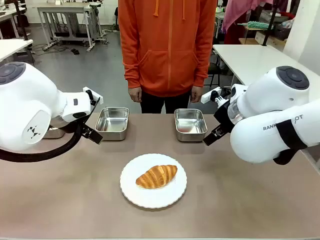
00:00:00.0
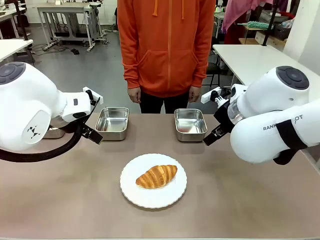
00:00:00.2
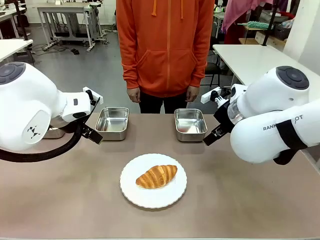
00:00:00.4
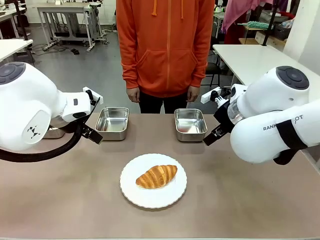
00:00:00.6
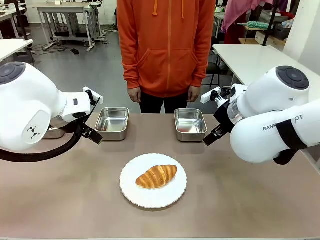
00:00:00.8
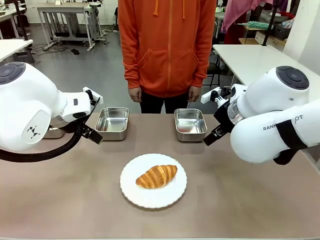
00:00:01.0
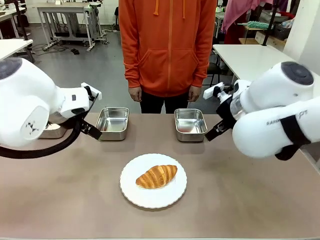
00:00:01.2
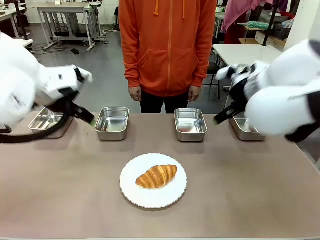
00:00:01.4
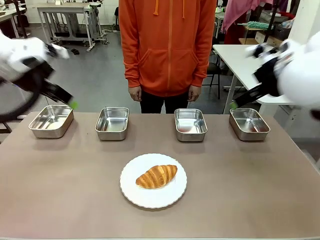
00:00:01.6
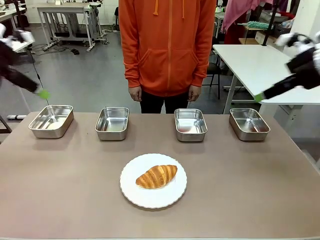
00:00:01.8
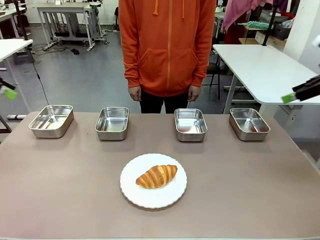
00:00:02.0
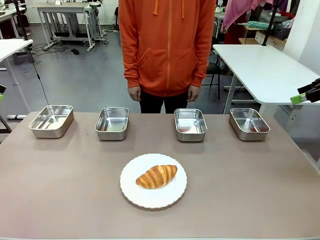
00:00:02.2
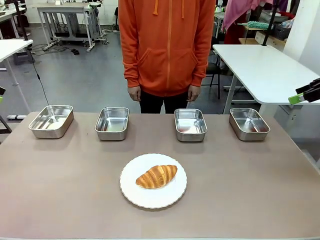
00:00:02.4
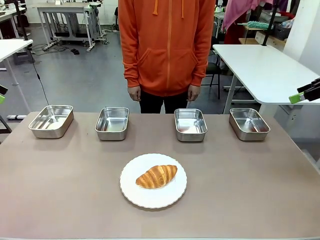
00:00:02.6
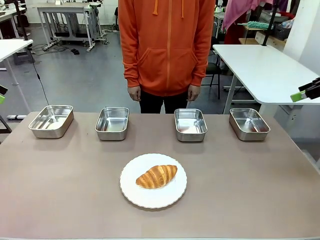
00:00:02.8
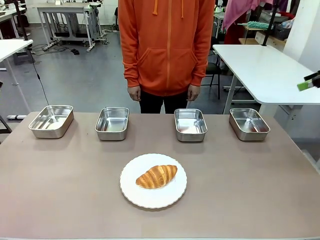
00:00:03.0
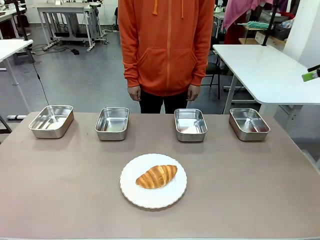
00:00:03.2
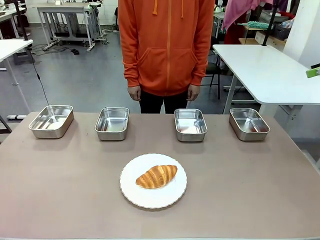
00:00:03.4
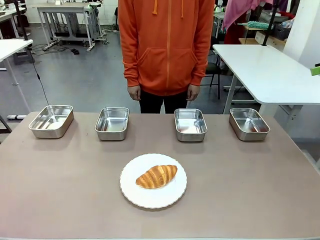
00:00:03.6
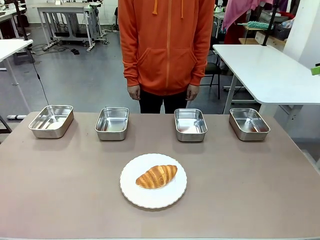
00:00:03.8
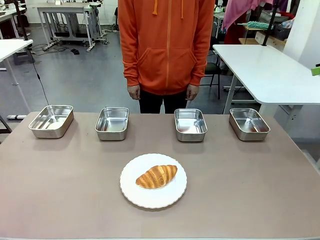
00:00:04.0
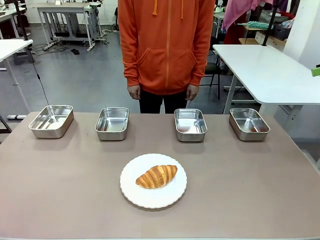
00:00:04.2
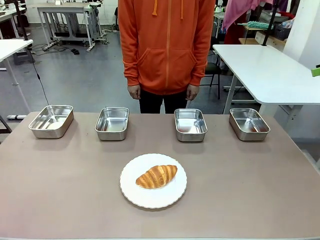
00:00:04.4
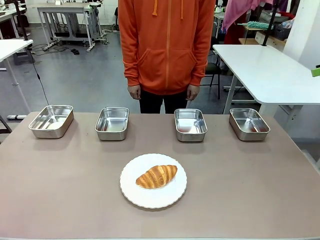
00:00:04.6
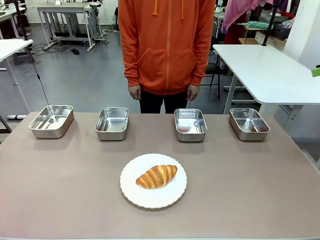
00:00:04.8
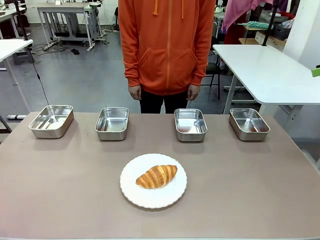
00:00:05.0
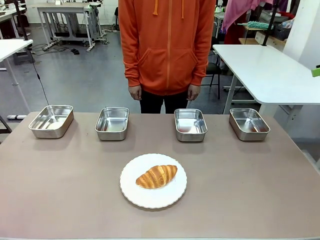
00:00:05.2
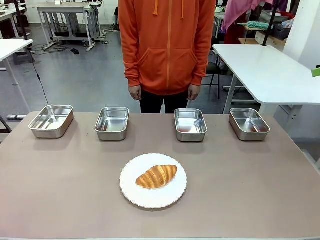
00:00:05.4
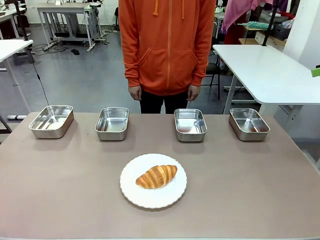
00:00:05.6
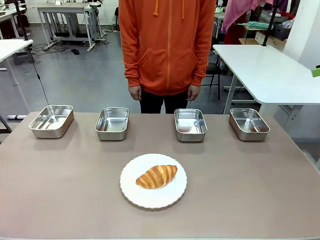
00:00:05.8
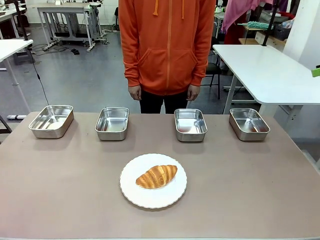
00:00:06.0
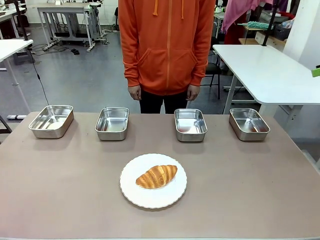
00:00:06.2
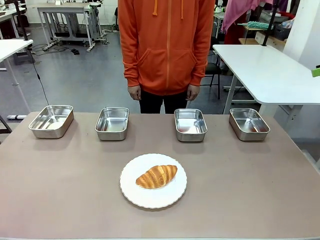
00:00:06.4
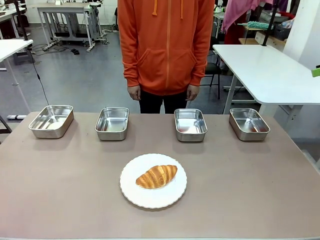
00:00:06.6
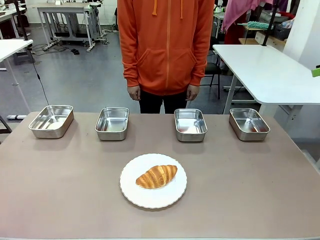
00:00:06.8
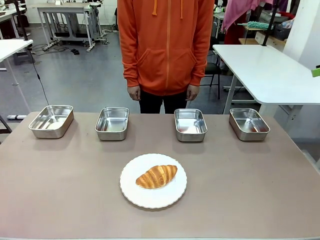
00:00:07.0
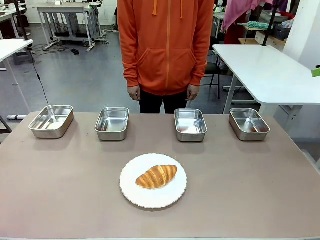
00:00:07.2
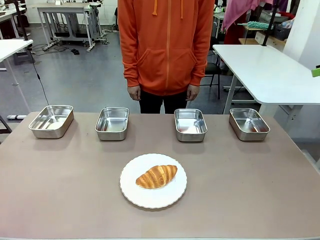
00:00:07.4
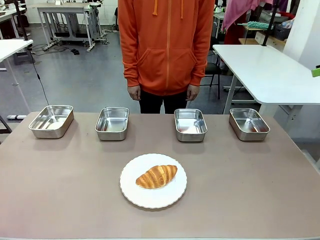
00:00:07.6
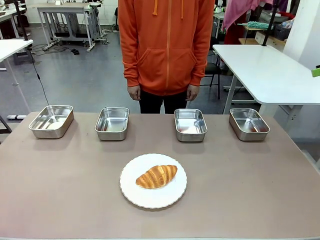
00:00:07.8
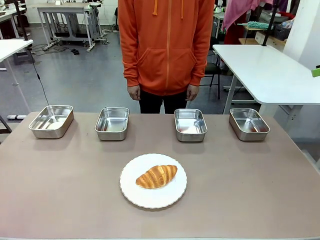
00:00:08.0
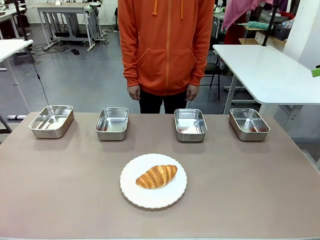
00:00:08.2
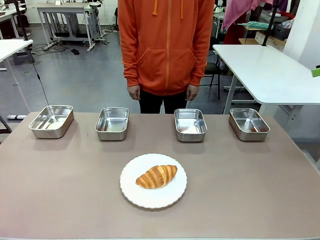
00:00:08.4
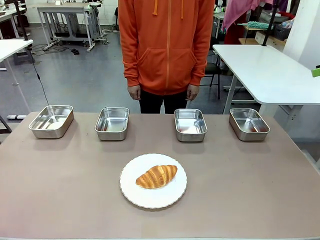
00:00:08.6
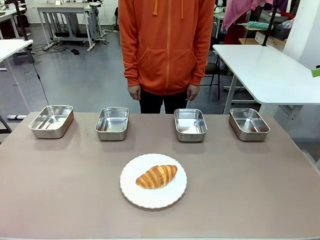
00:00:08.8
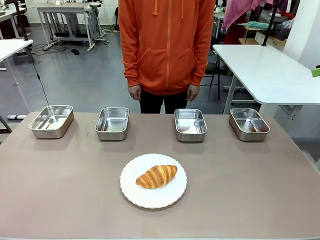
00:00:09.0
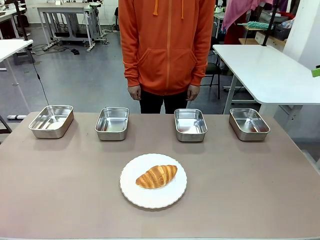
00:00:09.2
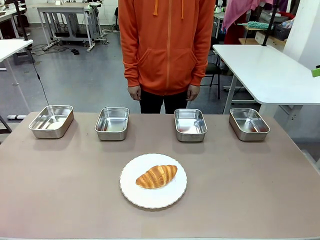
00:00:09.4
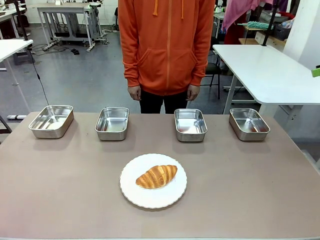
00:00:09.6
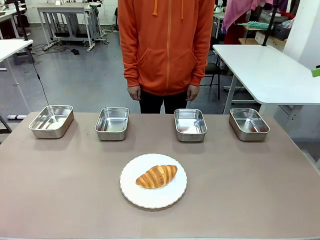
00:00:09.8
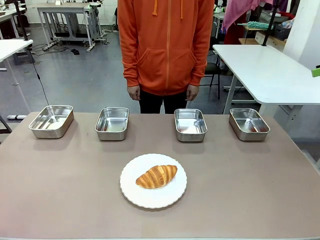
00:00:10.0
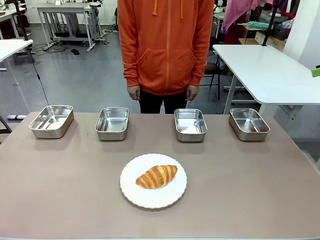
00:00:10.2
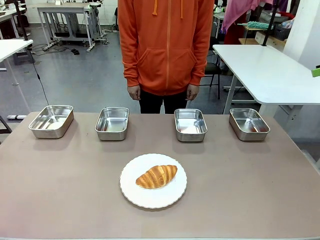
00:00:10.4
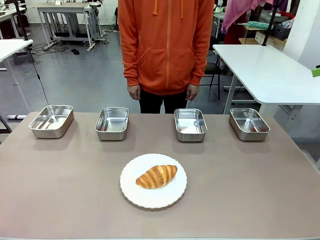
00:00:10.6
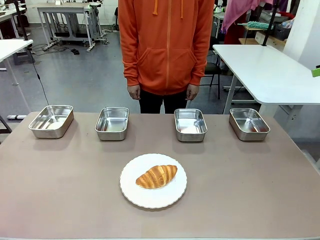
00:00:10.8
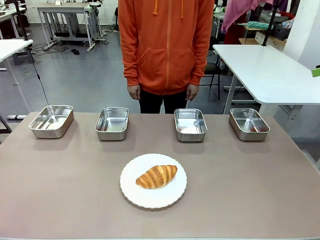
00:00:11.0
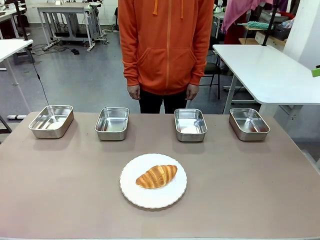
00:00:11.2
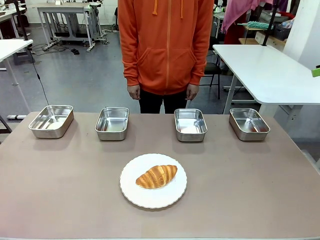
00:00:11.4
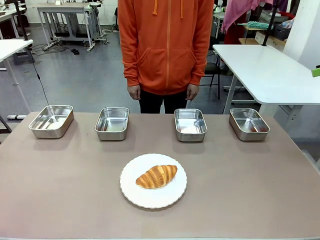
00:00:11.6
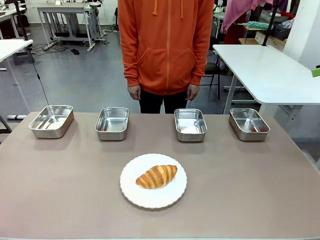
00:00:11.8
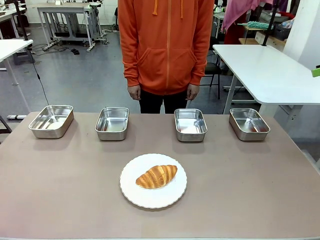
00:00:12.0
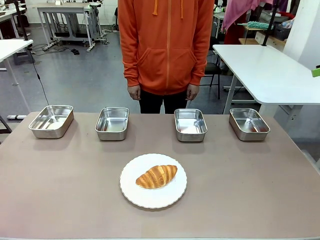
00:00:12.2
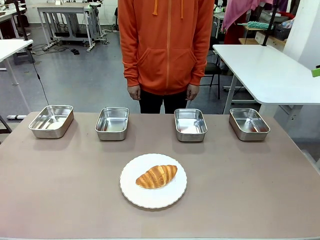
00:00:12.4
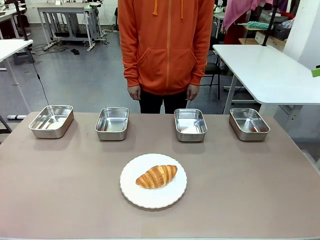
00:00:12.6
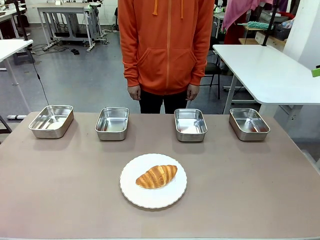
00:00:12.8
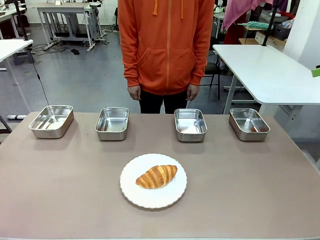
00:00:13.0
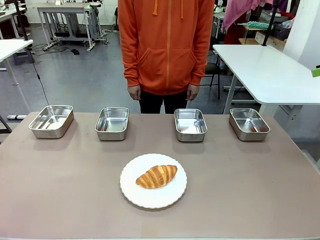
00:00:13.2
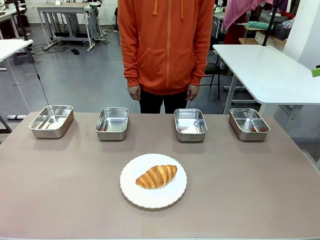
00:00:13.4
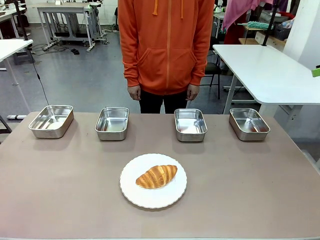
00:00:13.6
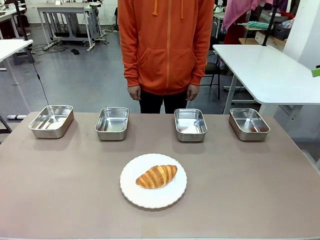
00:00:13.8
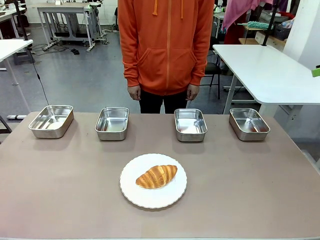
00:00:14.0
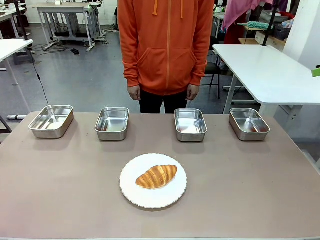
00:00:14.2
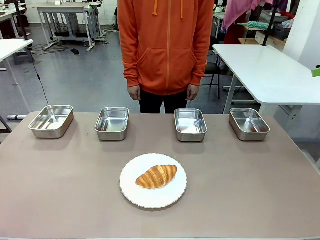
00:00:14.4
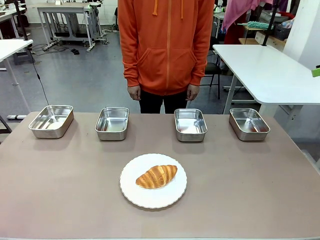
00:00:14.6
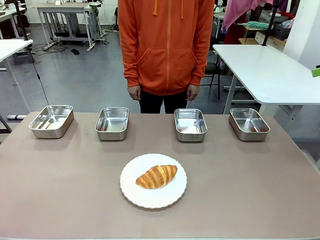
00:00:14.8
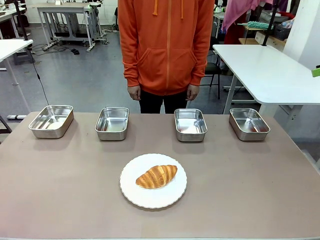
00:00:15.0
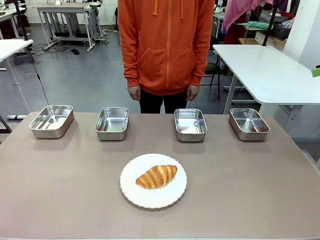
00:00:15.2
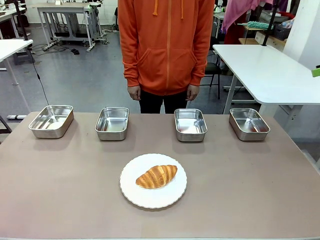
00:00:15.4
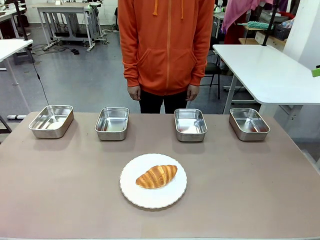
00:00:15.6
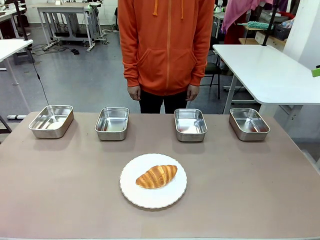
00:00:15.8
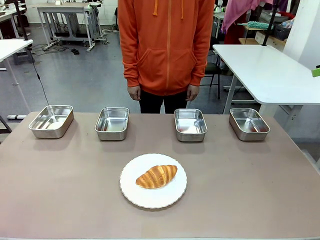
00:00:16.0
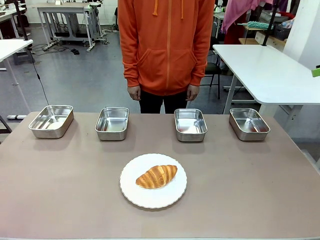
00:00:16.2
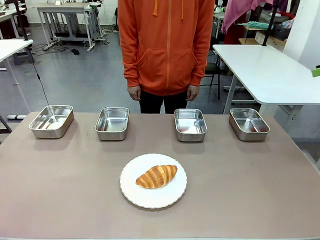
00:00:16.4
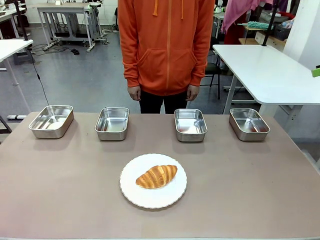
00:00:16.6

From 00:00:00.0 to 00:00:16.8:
Task: Place the bread in the container.
Robot: Place the Butter Roll into the Airtight Container indicated by the human.
